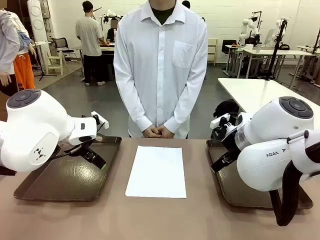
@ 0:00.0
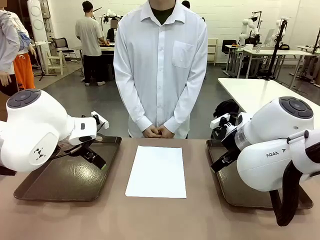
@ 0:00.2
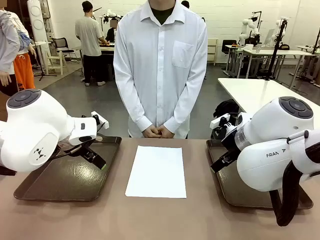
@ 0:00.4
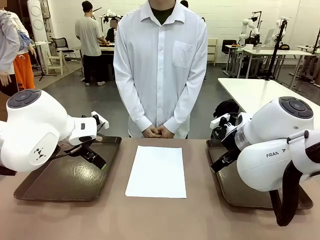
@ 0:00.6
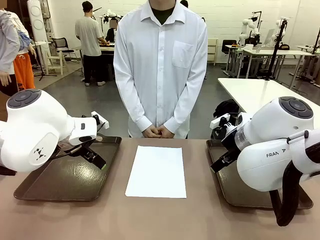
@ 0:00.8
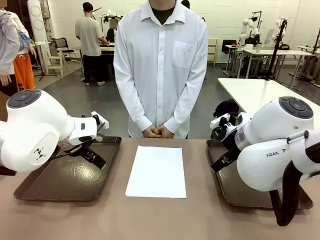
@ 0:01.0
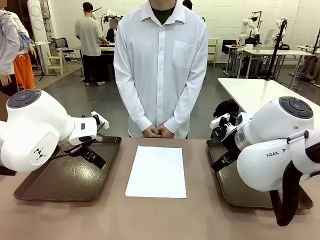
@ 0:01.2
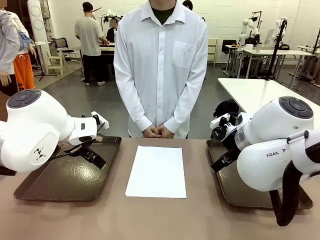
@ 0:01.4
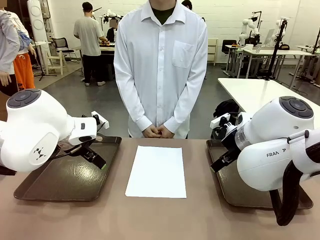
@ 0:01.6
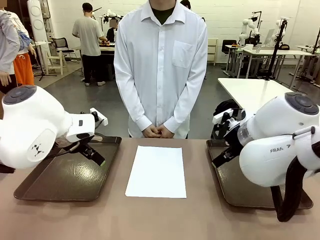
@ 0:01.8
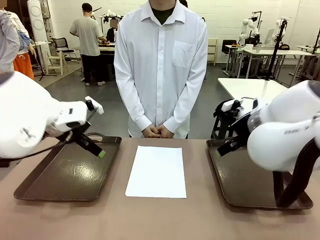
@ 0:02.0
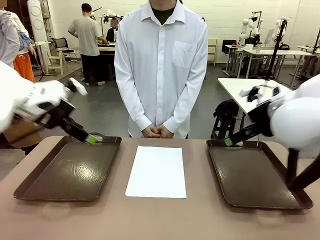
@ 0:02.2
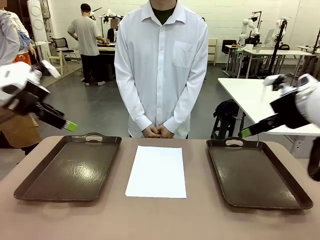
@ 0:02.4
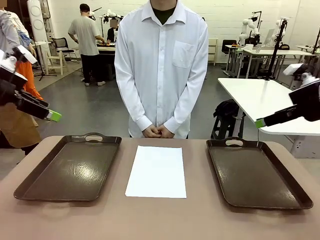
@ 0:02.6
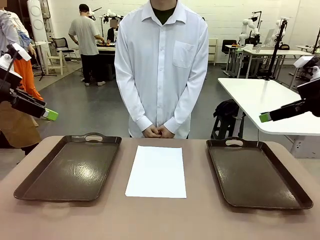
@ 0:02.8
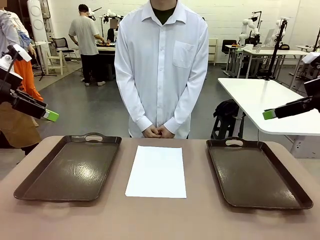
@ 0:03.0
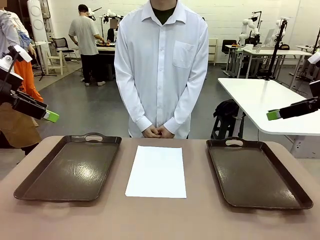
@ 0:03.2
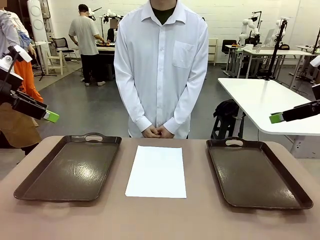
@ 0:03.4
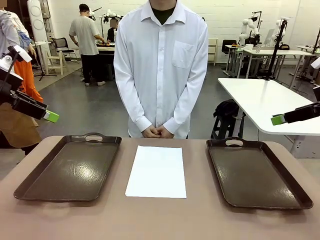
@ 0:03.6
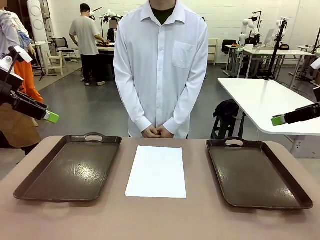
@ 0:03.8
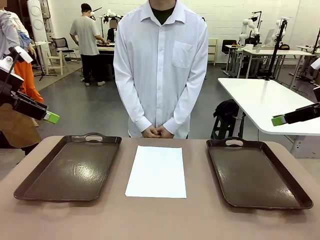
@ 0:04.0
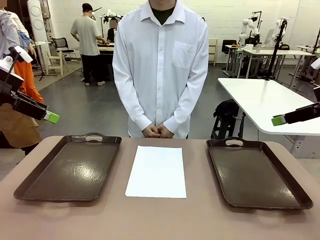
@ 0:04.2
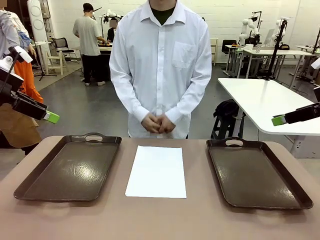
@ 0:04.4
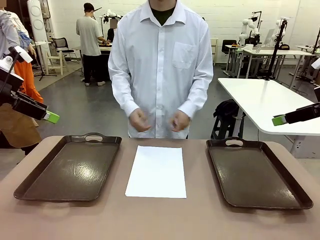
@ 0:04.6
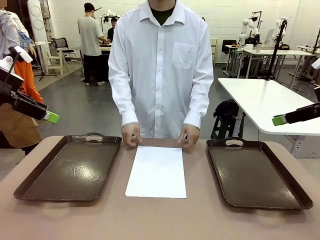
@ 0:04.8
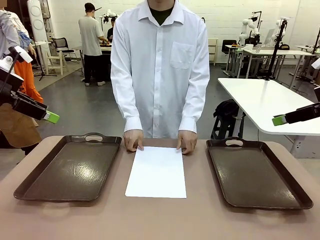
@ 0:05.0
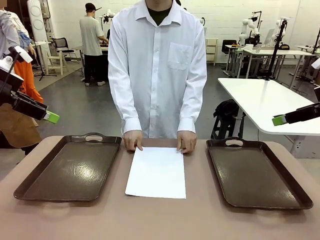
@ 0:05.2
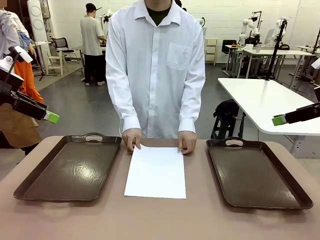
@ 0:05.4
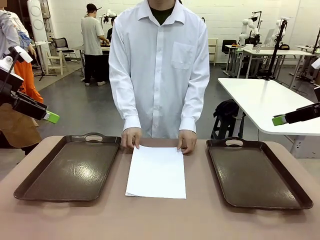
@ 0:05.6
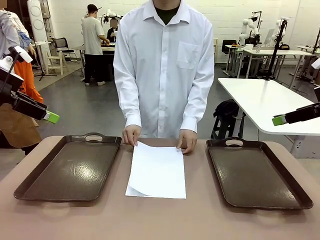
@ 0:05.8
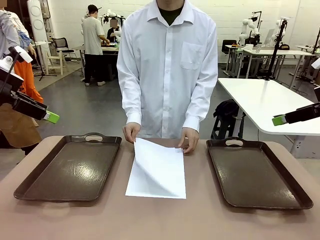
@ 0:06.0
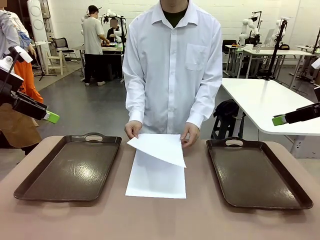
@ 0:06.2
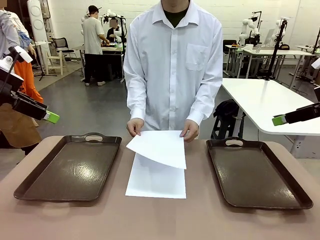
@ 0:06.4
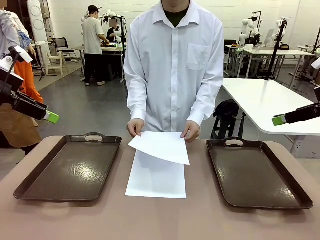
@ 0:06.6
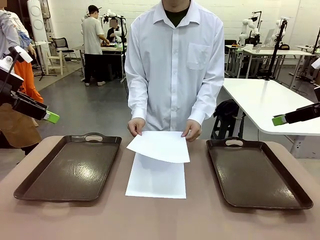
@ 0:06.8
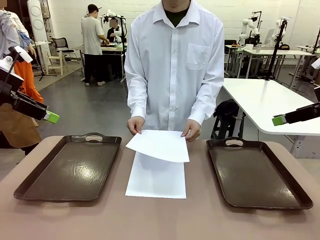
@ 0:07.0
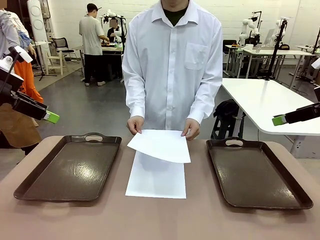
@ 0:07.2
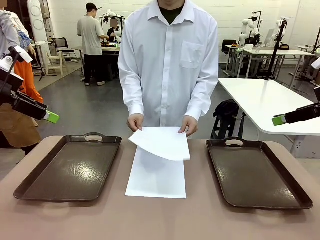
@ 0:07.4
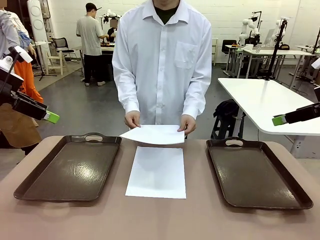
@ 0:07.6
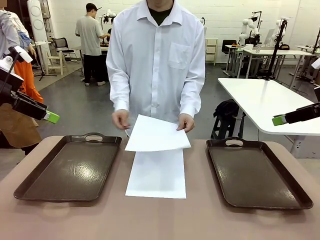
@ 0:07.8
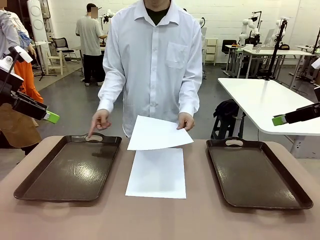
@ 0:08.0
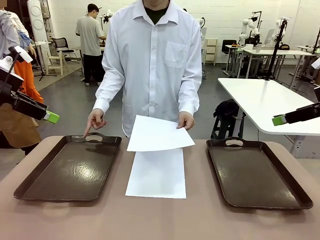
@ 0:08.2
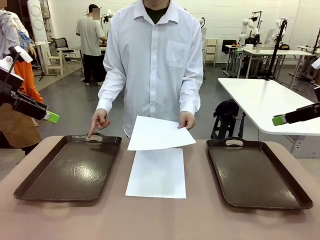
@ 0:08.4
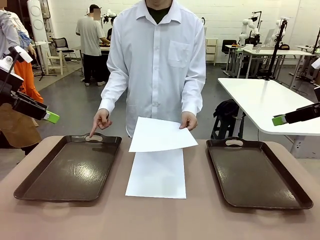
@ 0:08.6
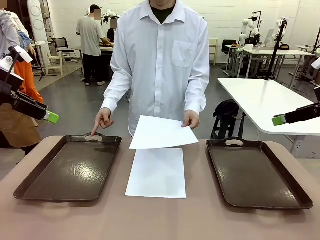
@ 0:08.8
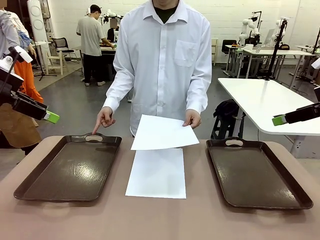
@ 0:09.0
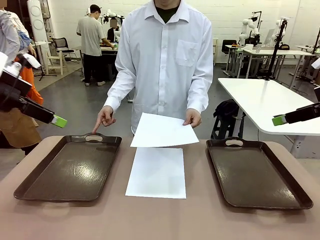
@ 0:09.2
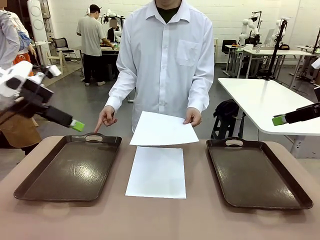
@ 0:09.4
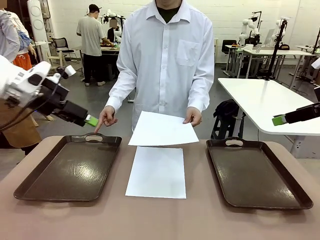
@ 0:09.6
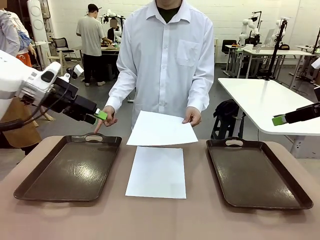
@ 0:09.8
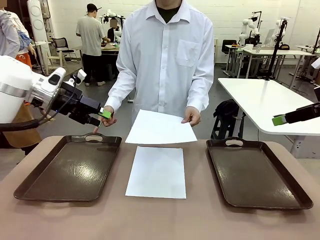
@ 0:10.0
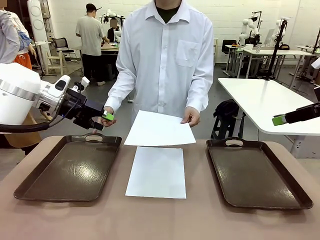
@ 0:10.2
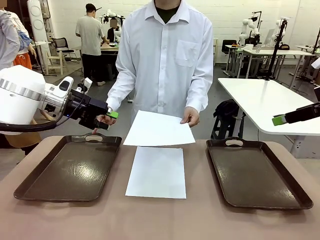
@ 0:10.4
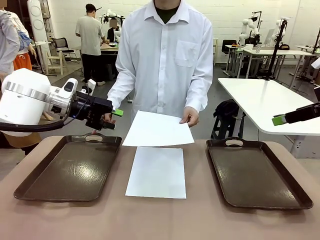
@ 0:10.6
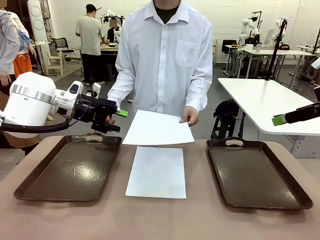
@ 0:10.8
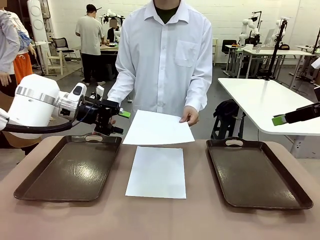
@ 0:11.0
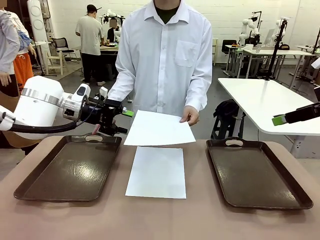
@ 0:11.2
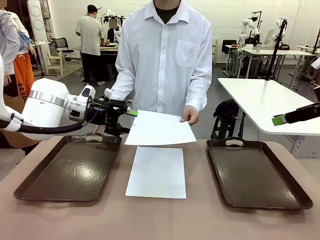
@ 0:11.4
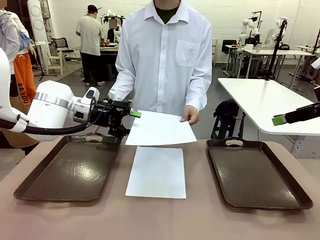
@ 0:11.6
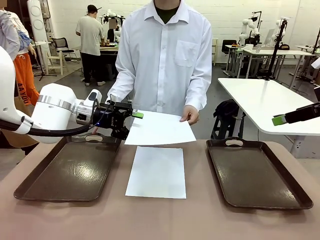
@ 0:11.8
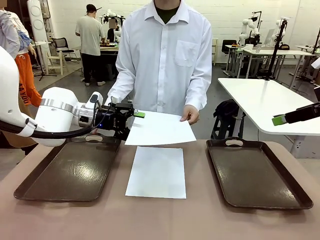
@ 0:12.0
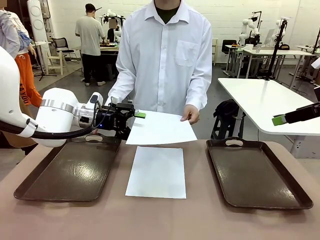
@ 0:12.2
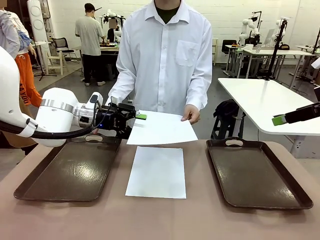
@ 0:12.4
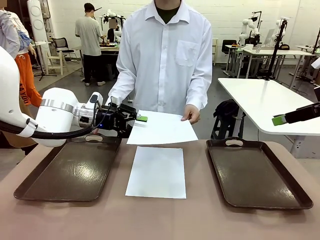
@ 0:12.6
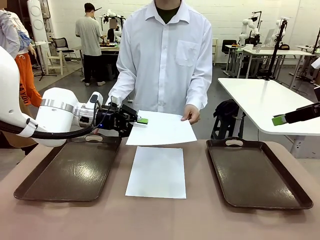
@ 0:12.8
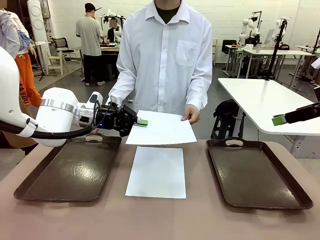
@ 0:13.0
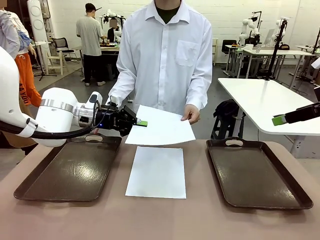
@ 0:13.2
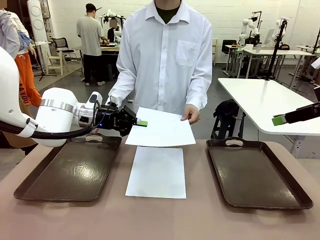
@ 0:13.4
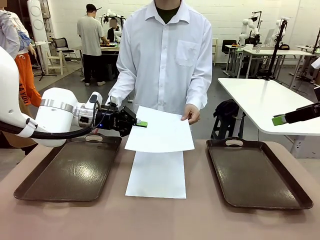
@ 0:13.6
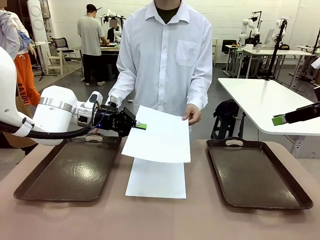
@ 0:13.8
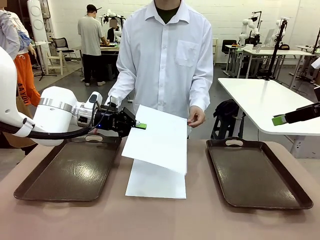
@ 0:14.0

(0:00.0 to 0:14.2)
Task: Sort the A4 documents.
Robot: Receive the A4 Paper.
Person: Pick up a sheet of paper from the center of the table and hand it to the robot. Point the randomly selected tray with the other hand.

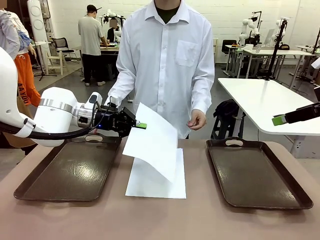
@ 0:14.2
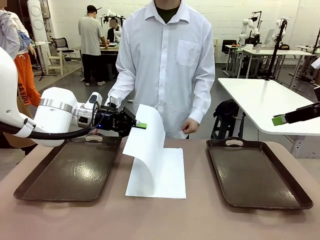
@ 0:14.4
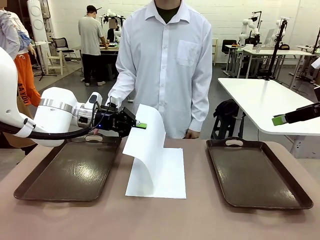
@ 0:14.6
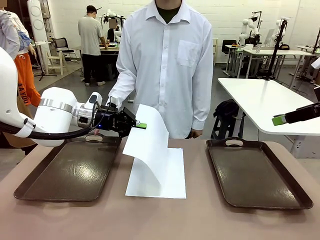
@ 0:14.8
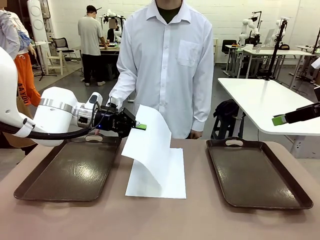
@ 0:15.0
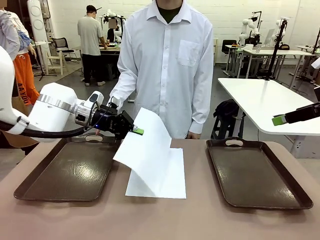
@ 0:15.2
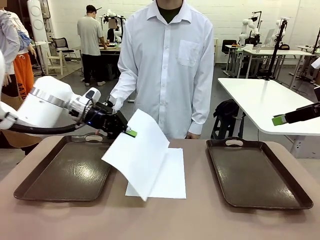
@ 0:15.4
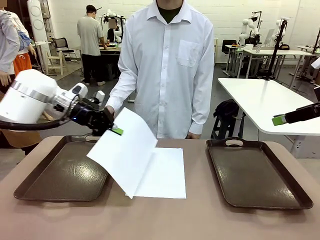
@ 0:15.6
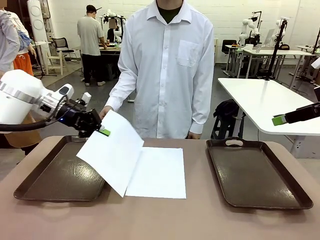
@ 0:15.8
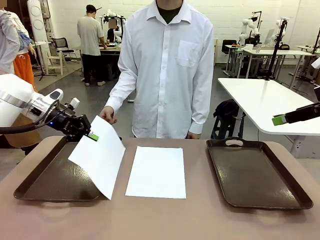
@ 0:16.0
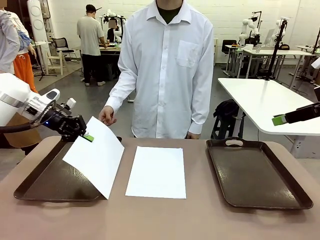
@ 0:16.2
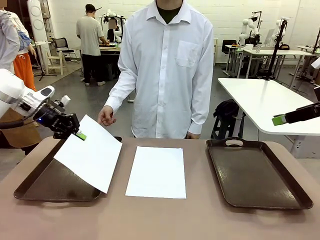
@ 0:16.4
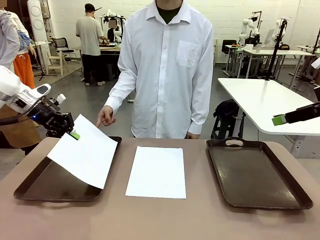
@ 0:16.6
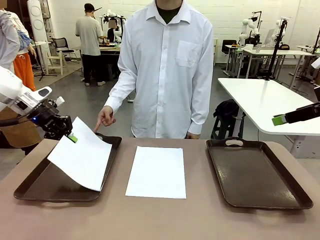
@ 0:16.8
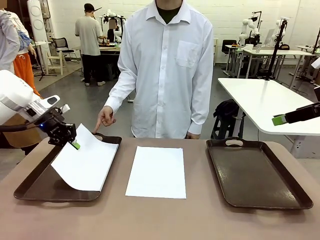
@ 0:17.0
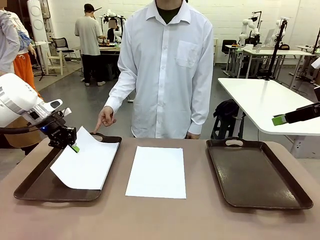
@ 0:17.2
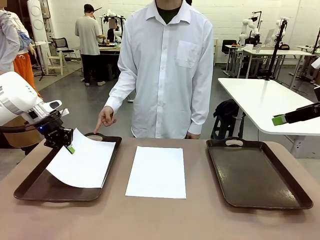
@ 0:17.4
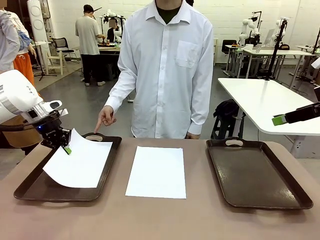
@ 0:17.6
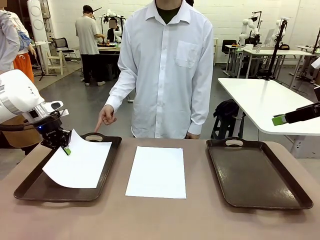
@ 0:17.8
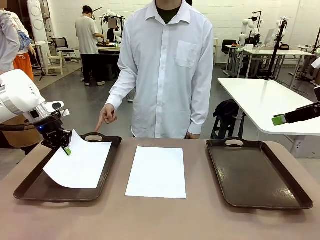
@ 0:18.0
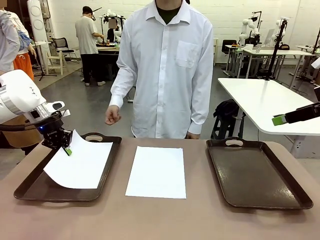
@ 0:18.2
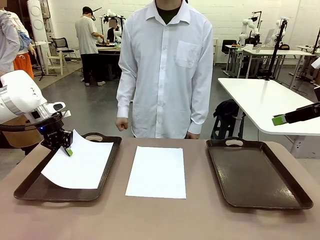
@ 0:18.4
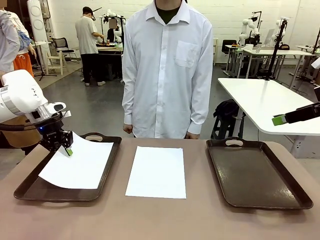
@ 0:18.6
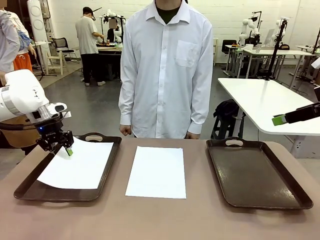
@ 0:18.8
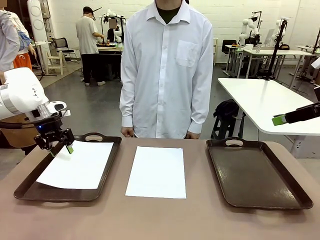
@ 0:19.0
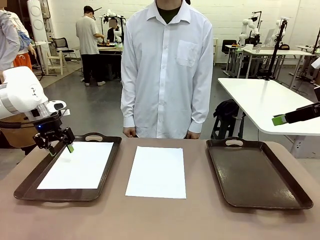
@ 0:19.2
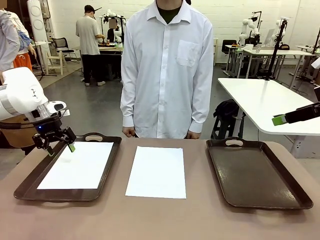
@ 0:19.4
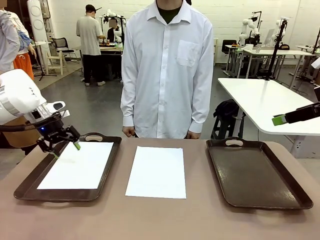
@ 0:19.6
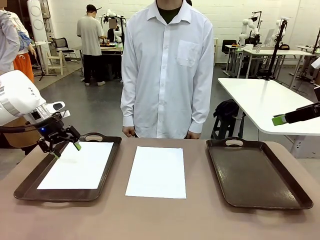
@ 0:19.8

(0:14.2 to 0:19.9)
Robot: Place the A4 Paper in the designated Handle tray.
